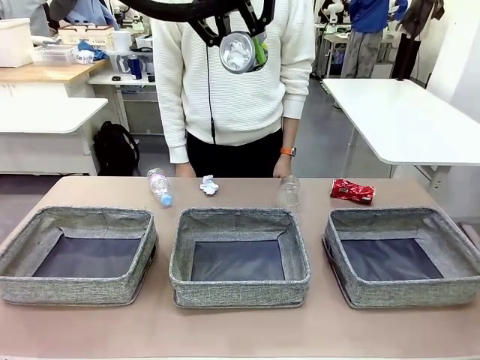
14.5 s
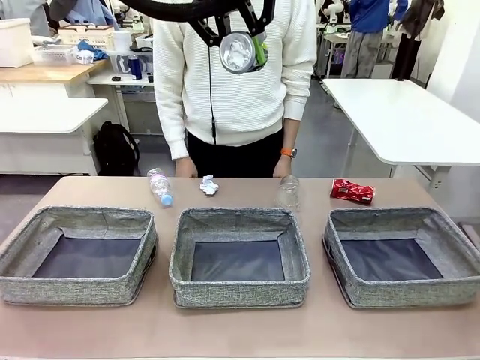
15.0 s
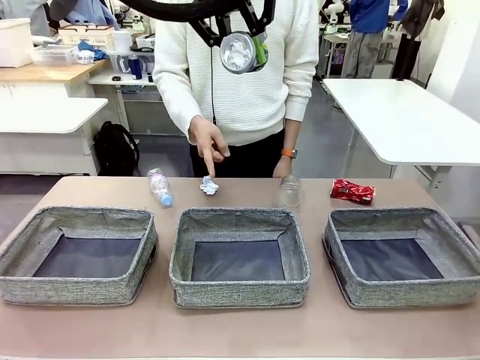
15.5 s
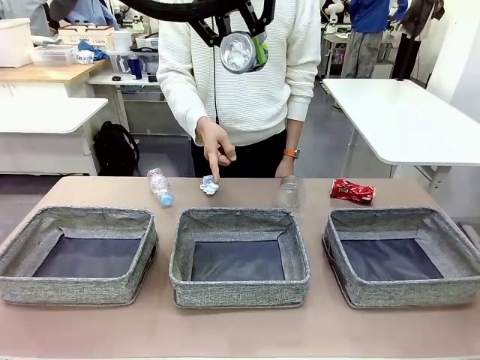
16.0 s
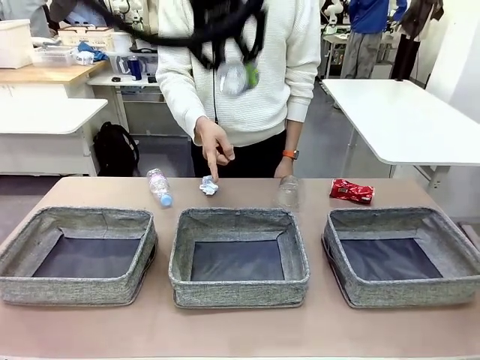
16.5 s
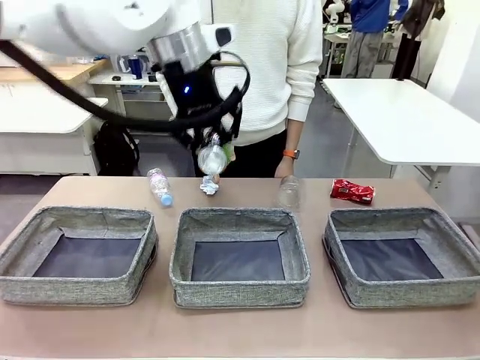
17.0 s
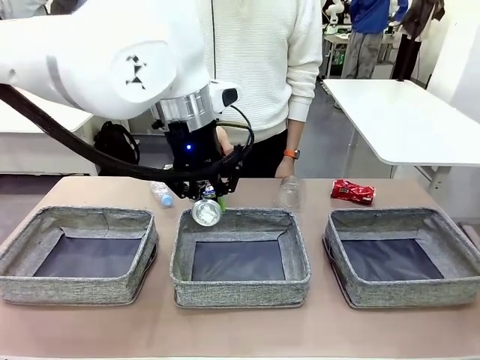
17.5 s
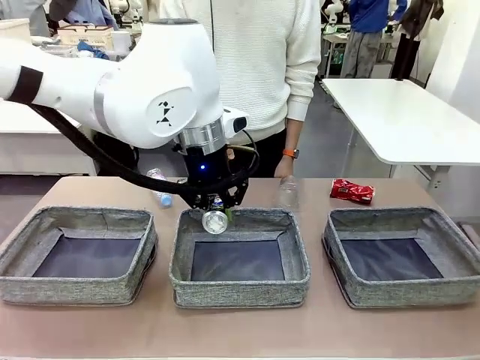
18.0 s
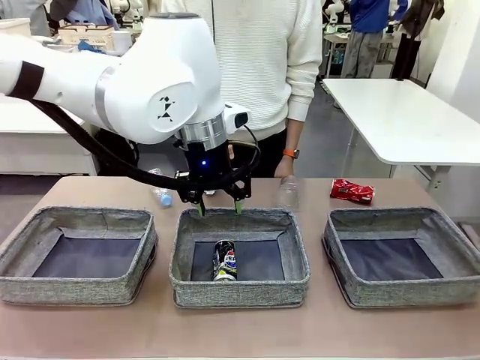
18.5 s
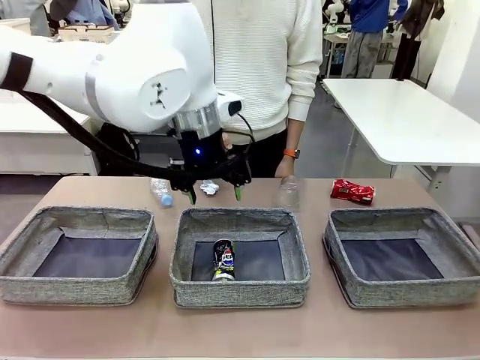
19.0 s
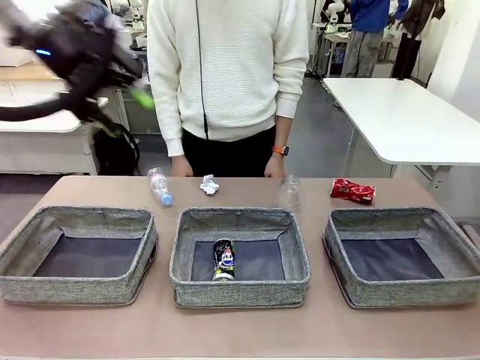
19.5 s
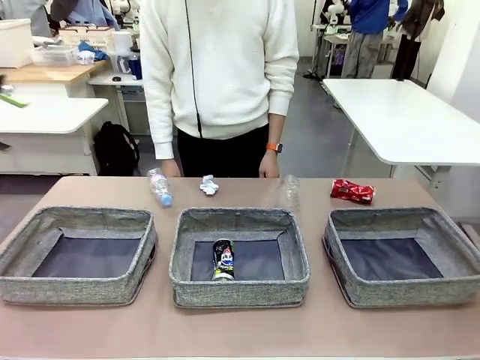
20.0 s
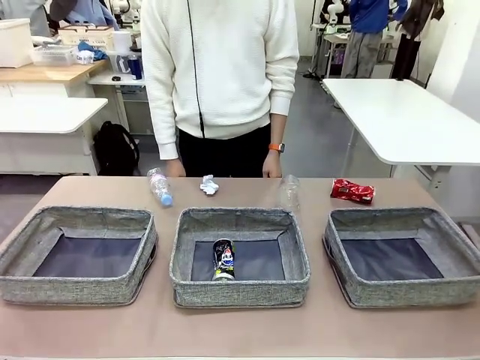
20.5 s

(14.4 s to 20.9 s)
Task: Sort the waste into the appropriate baskets.
Robot: Place the picked waste into the Fabric basket indicated by the person.
Person: Instructs the robot to place the picked-up trash into the appropriate organizing basket.

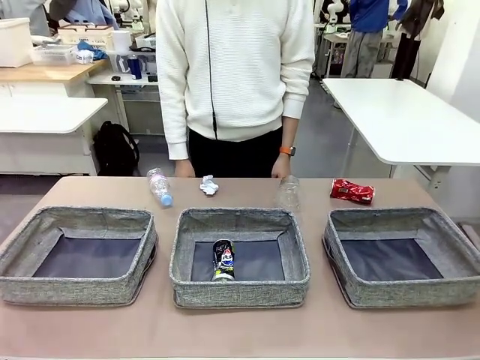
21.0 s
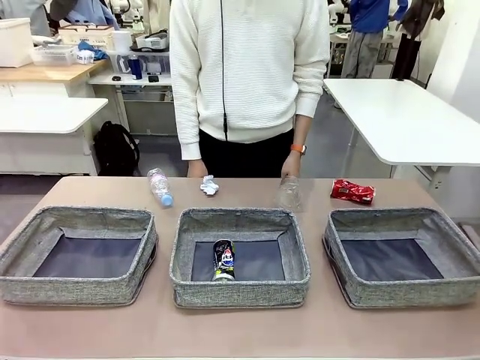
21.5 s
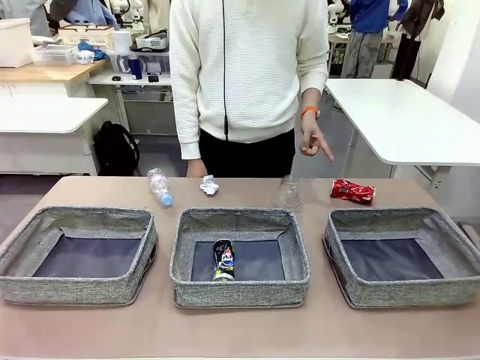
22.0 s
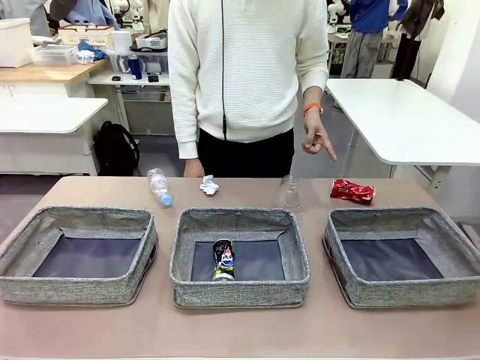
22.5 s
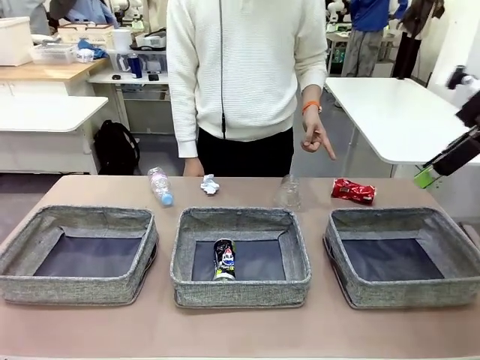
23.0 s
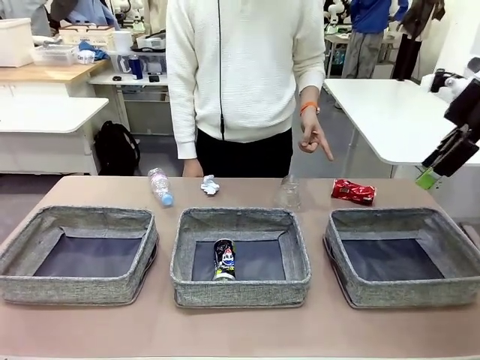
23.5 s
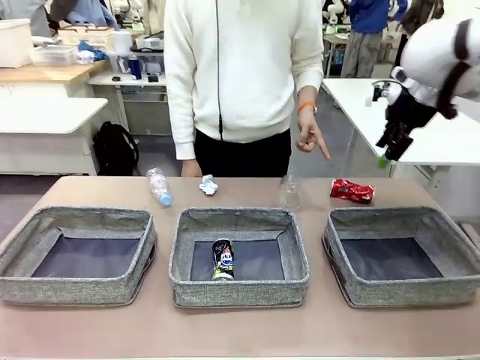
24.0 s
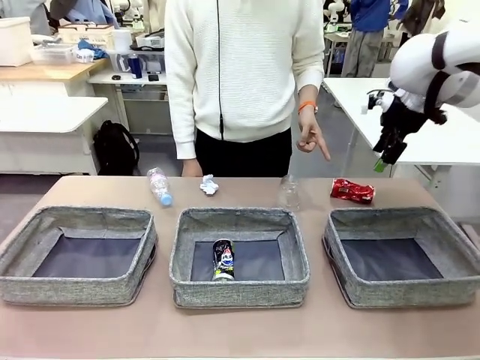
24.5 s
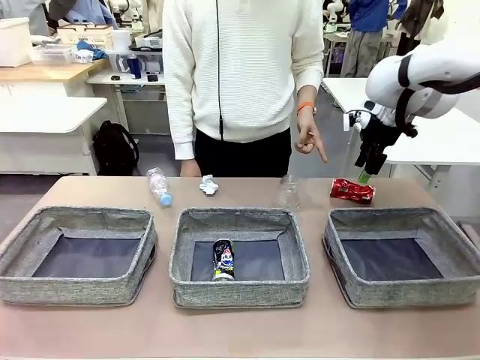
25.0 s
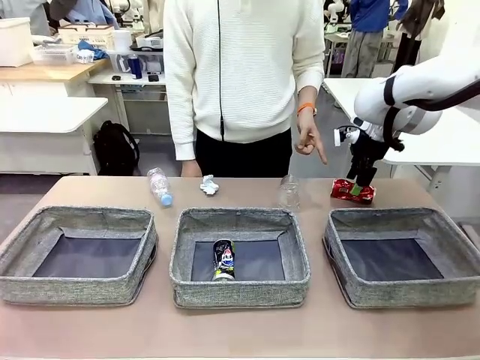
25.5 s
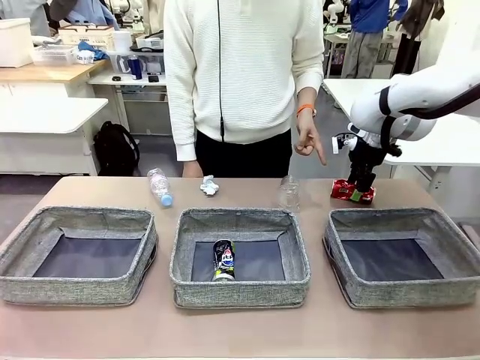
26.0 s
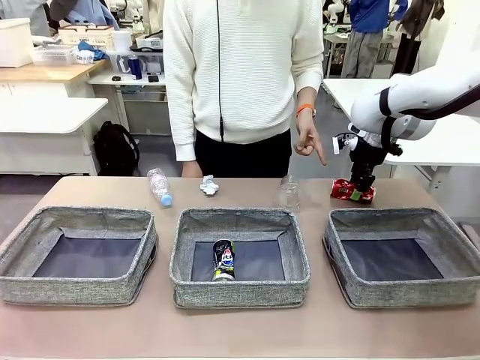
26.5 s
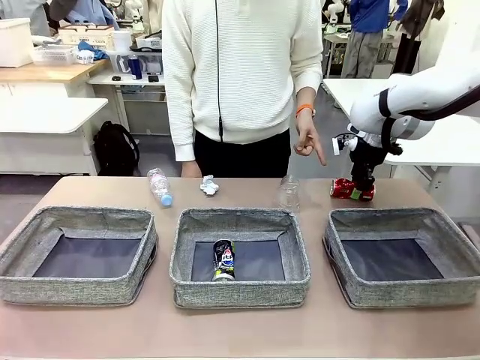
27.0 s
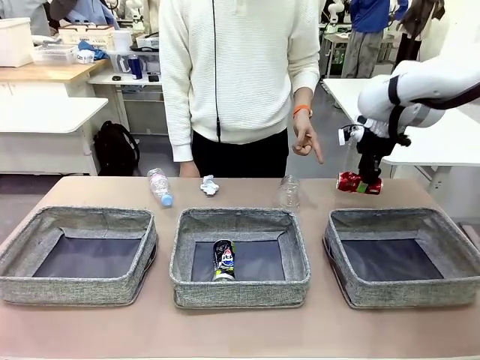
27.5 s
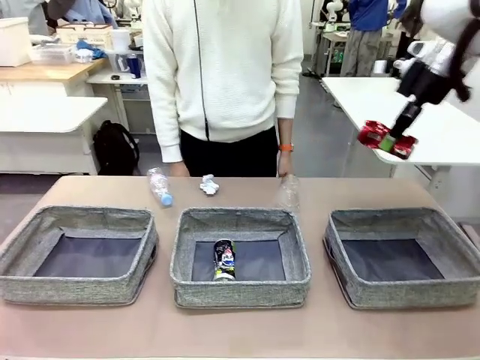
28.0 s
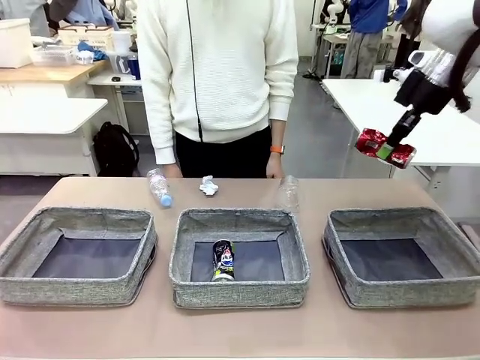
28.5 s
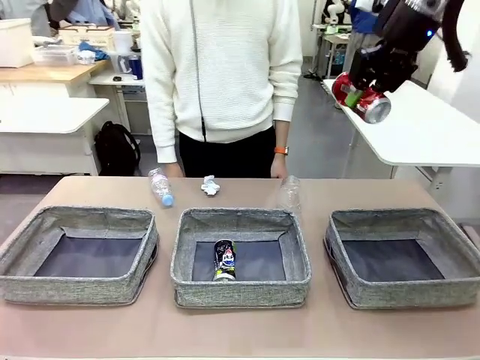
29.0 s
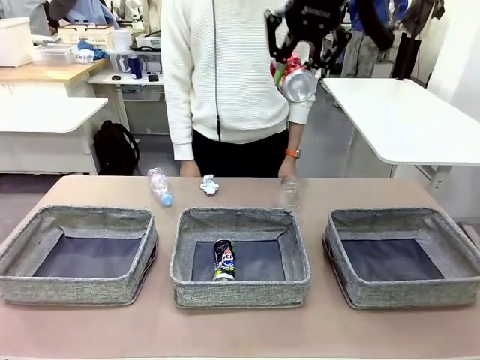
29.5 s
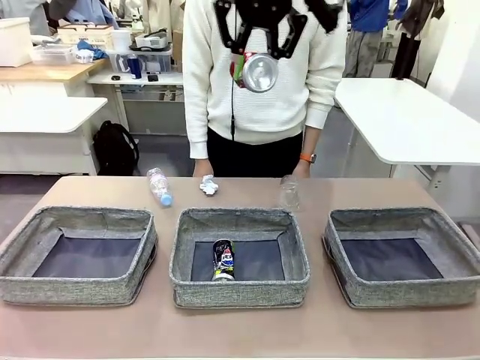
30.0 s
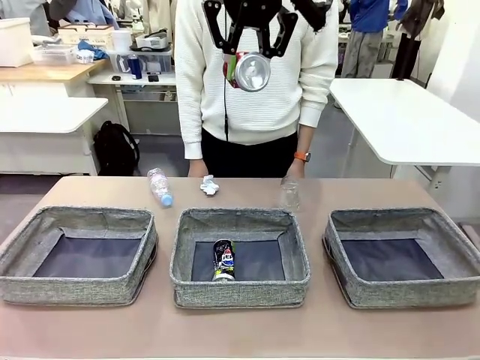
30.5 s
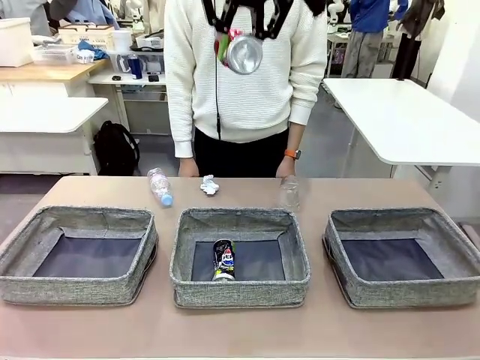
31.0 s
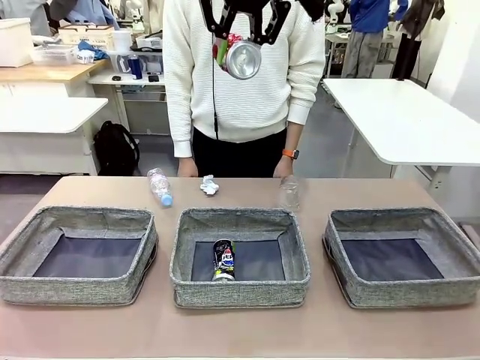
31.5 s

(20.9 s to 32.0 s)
Robot: Pick up the waste item pointed out by the person.
Person: Points to one piece of trash on the table.

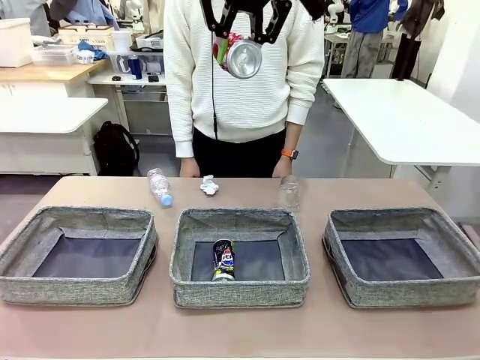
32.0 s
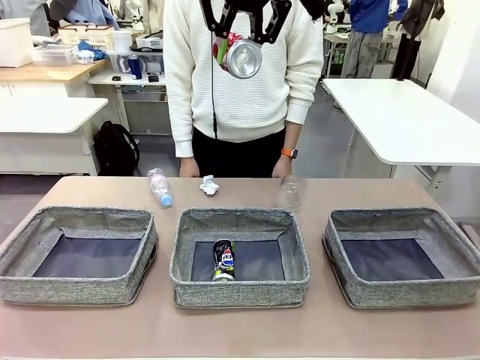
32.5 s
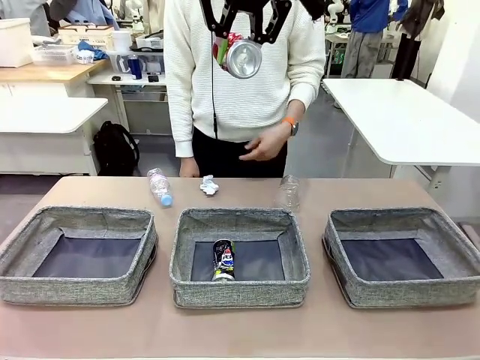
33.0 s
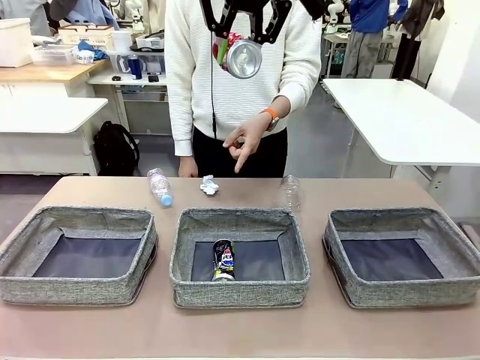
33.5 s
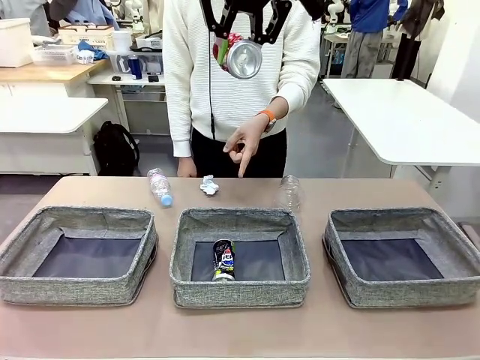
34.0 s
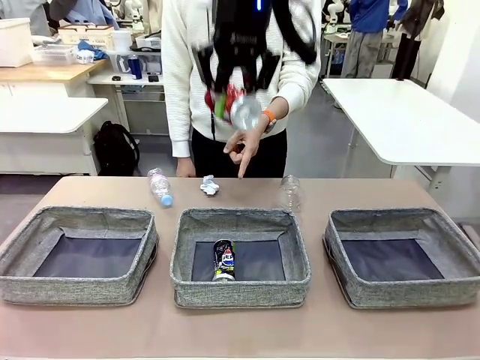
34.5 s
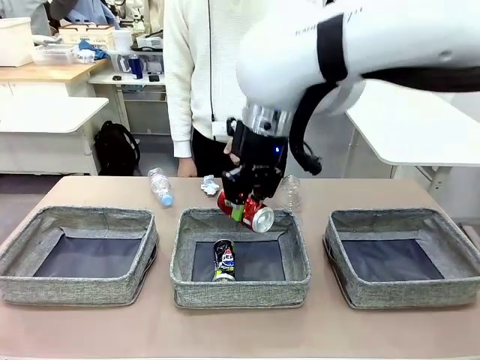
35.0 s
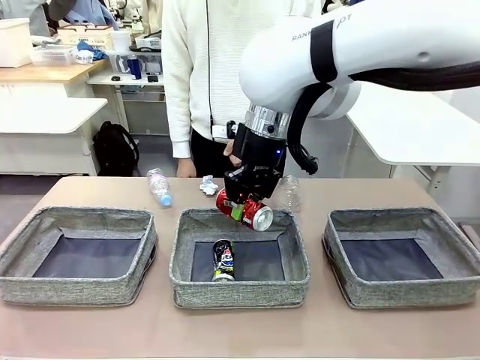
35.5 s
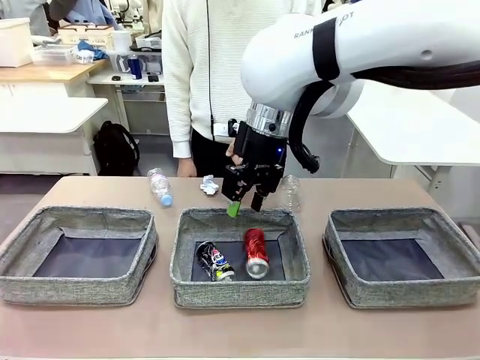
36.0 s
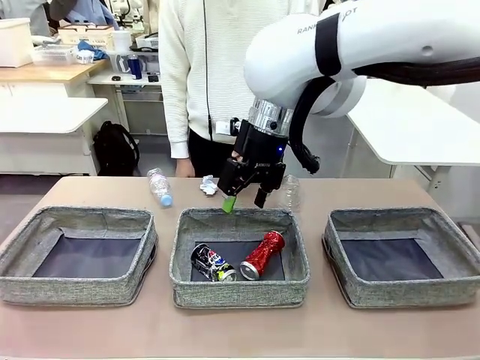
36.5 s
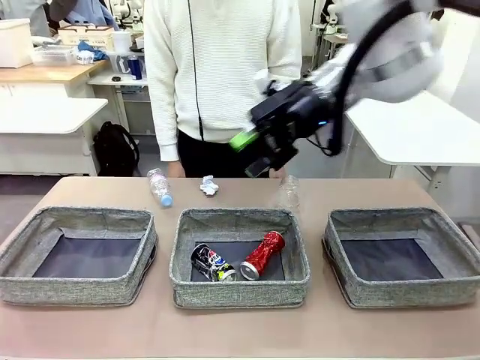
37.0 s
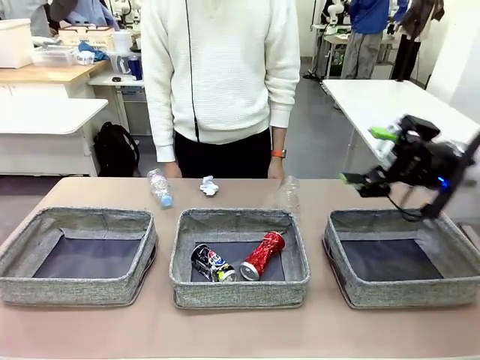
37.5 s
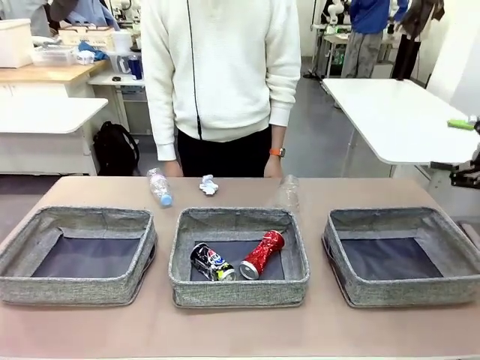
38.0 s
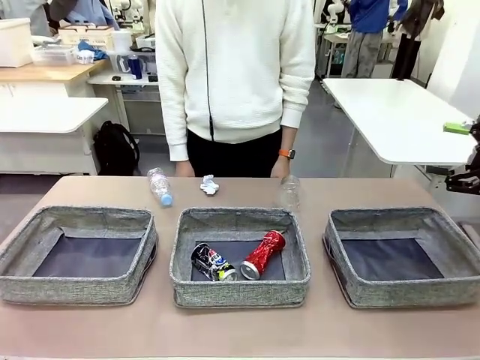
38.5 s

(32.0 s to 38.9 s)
Robot: Place the picked waste into the Fabric basket indicated by the person.
Person: Instructs the robot to place the picked-up trash into the appropriate organizing basket.

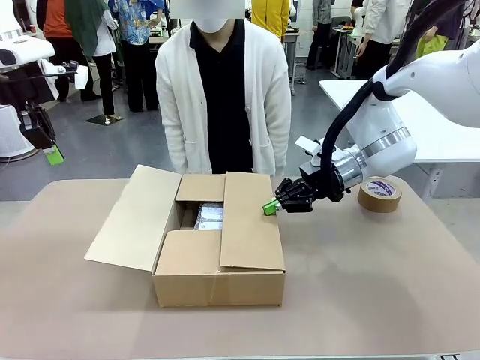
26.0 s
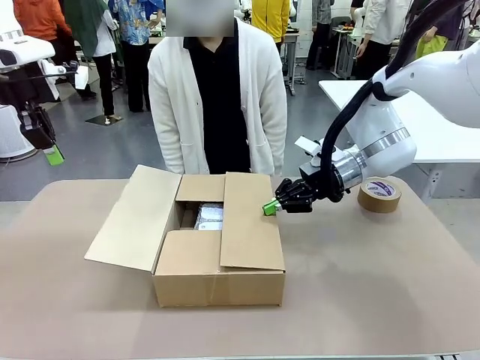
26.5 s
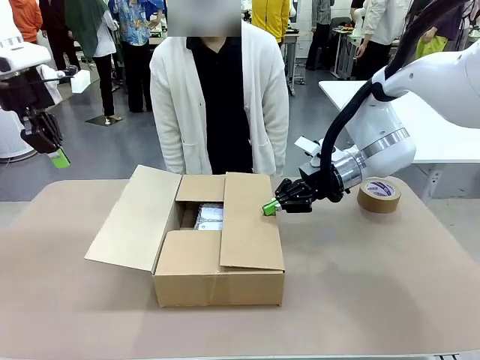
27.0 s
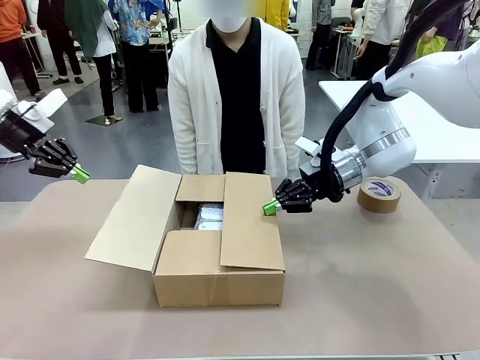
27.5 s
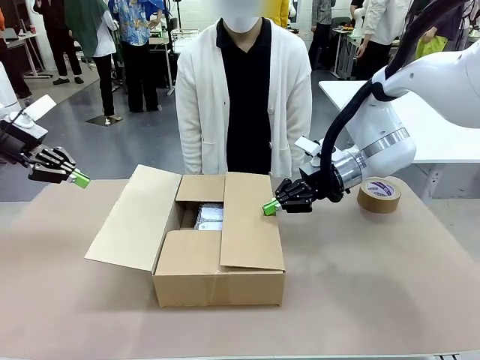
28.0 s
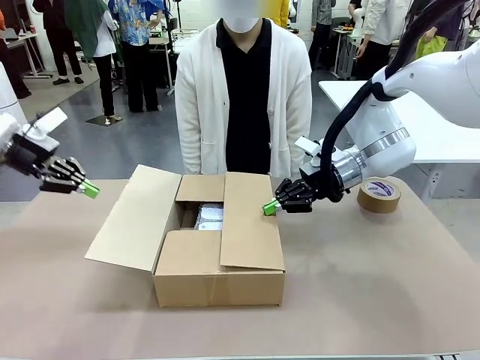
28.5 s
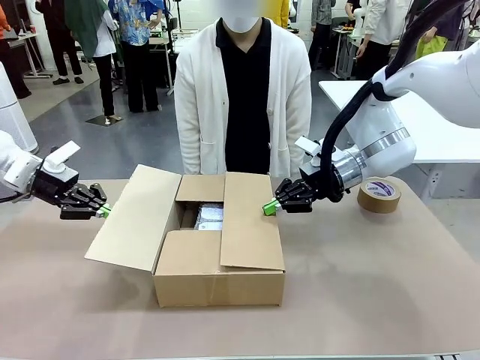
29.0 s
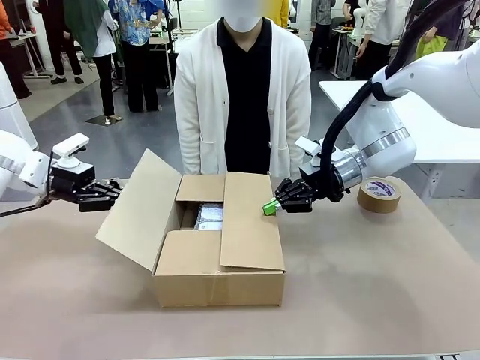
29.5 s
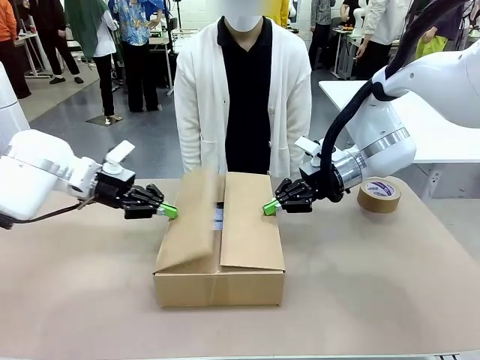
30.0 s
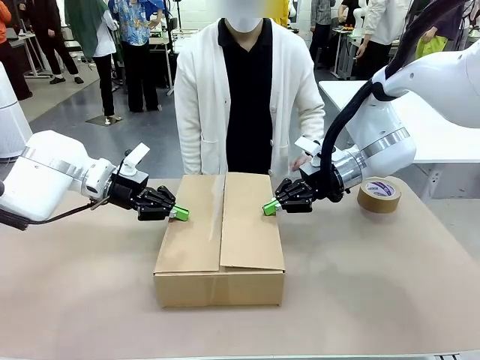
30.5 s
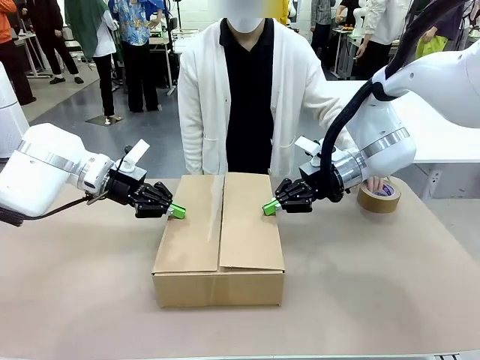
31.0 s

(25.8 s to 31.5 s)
Task: Wrap the clocks to prevent damage.
Robot: Push the left (or right) flap of the Package Box to close it.
